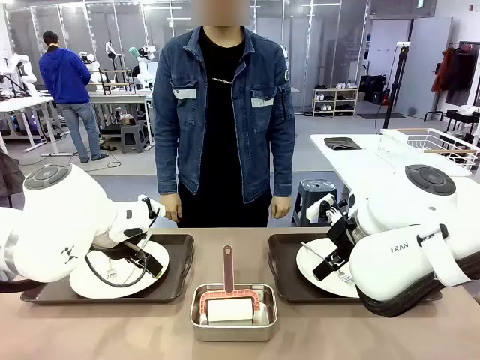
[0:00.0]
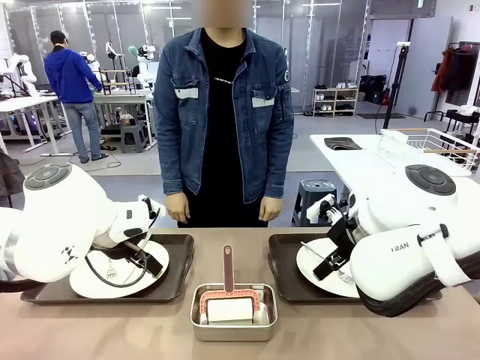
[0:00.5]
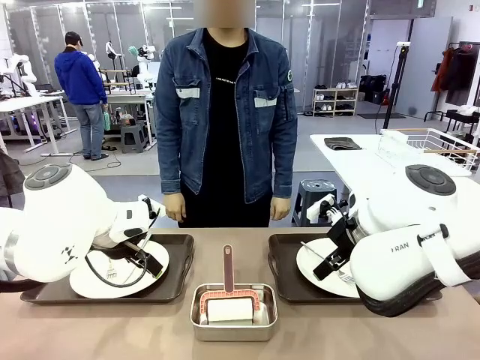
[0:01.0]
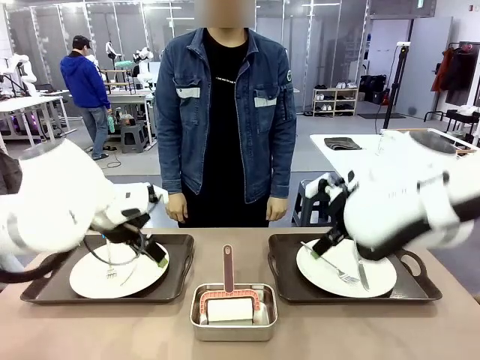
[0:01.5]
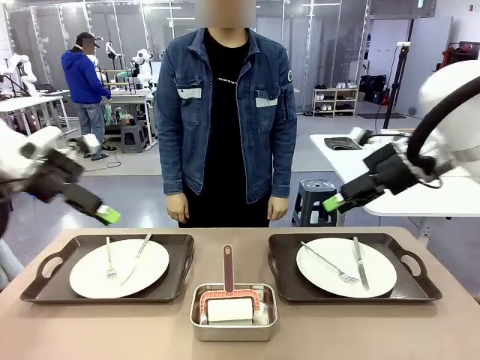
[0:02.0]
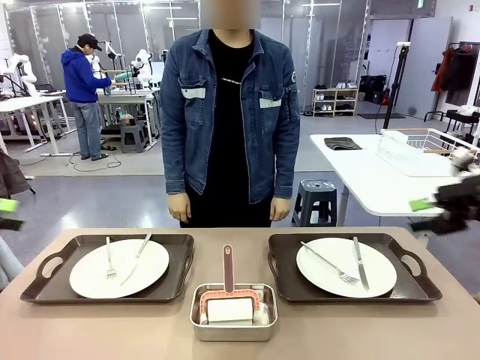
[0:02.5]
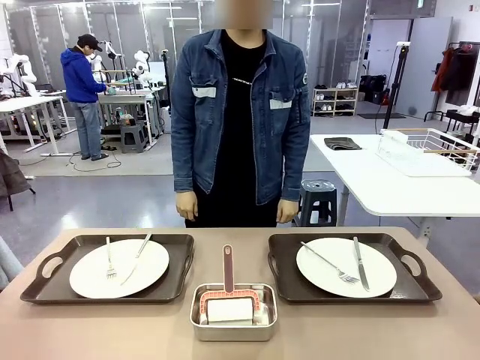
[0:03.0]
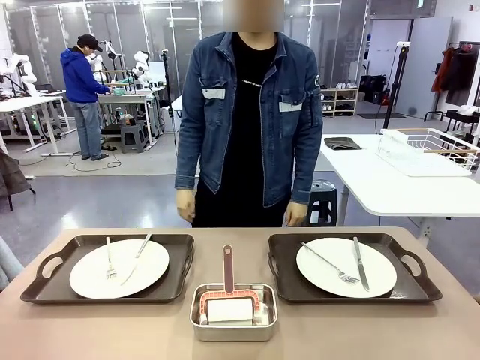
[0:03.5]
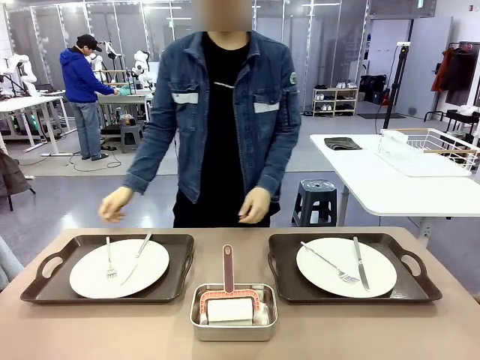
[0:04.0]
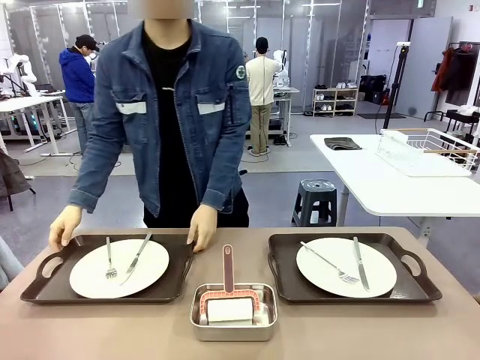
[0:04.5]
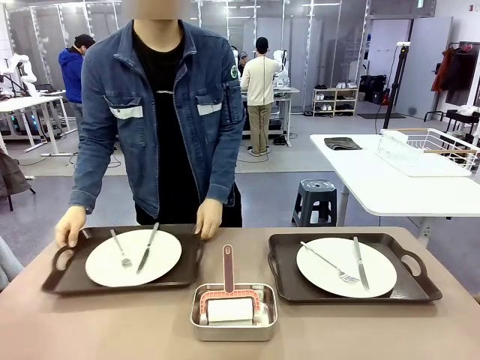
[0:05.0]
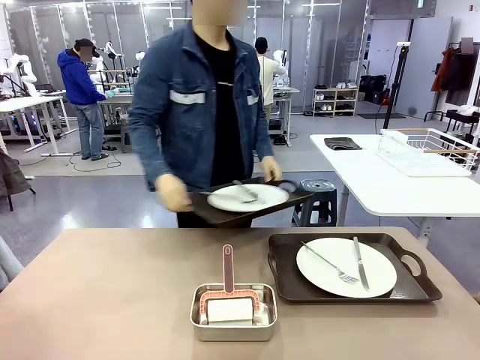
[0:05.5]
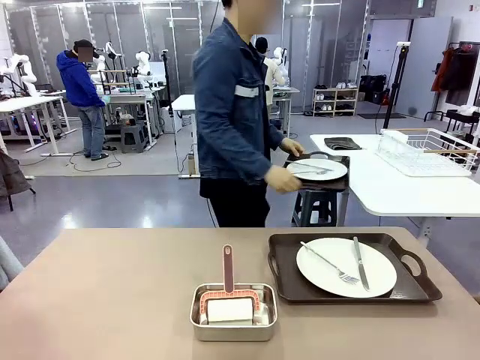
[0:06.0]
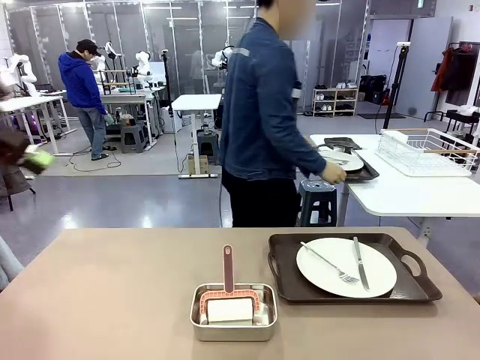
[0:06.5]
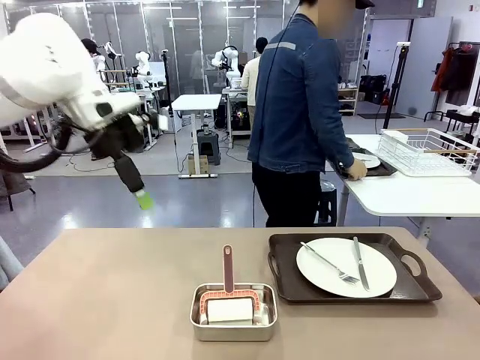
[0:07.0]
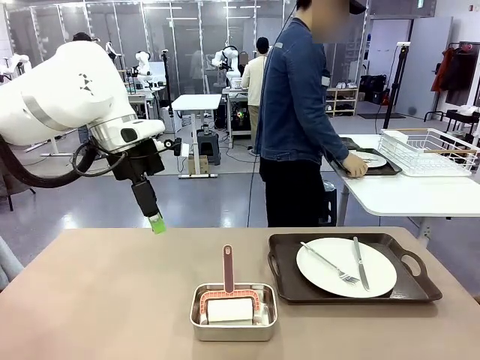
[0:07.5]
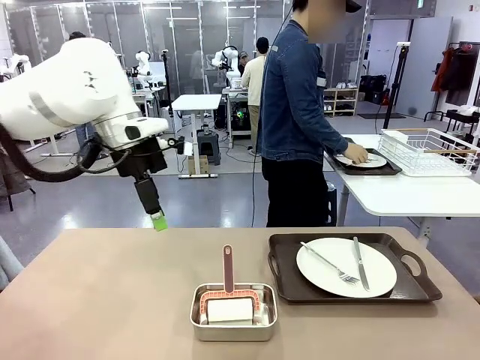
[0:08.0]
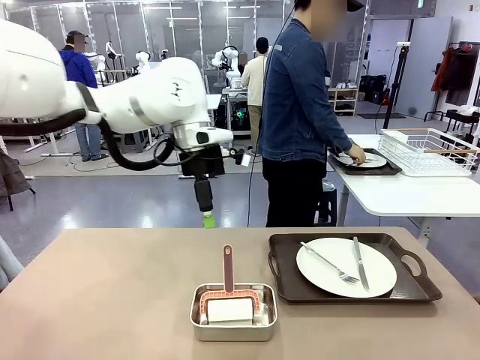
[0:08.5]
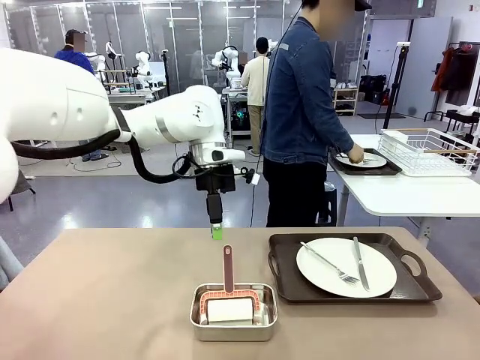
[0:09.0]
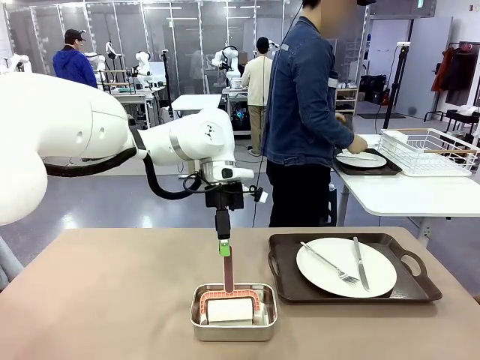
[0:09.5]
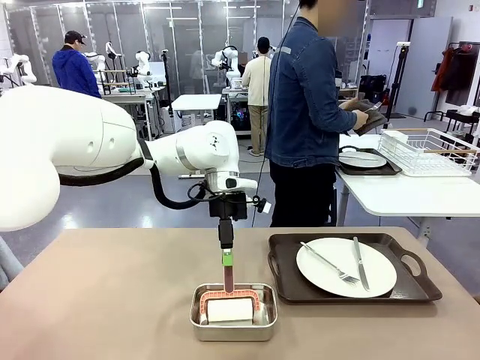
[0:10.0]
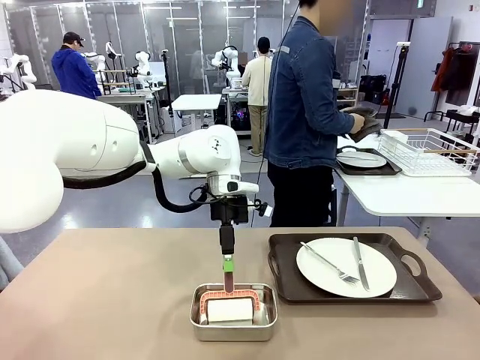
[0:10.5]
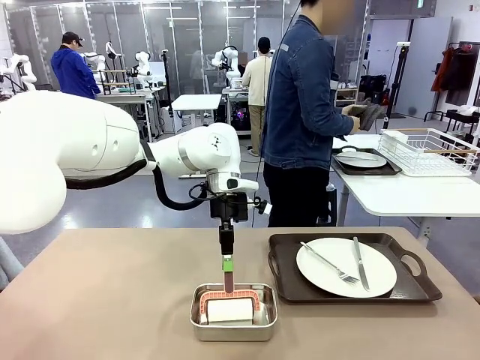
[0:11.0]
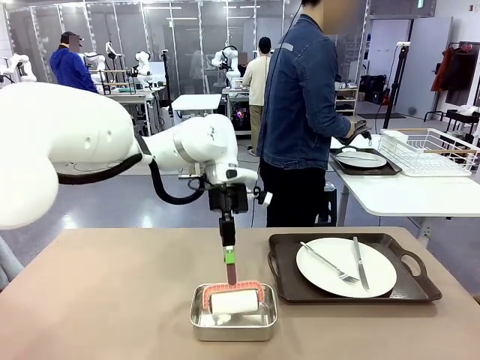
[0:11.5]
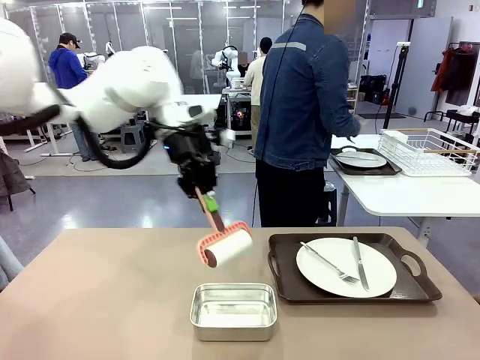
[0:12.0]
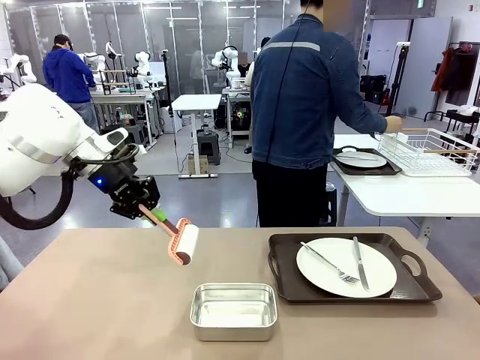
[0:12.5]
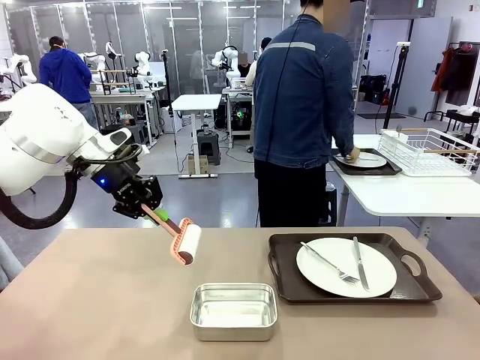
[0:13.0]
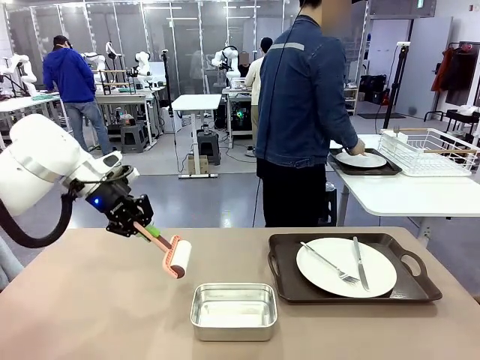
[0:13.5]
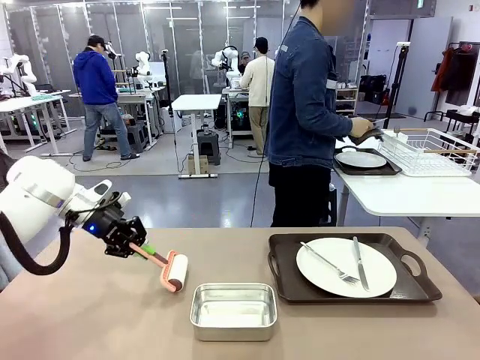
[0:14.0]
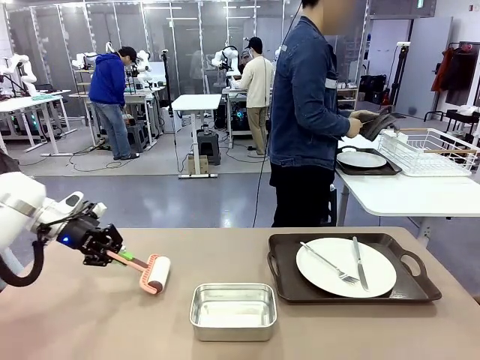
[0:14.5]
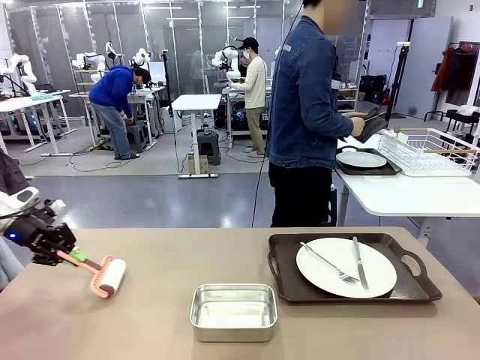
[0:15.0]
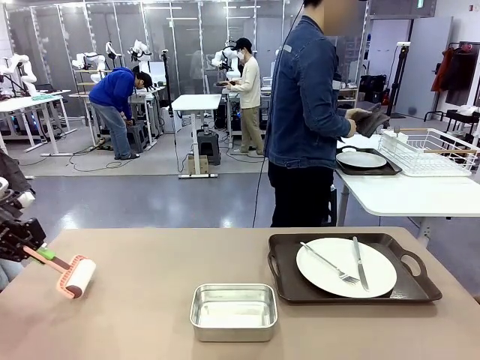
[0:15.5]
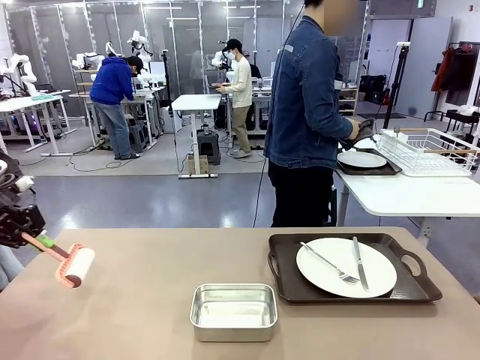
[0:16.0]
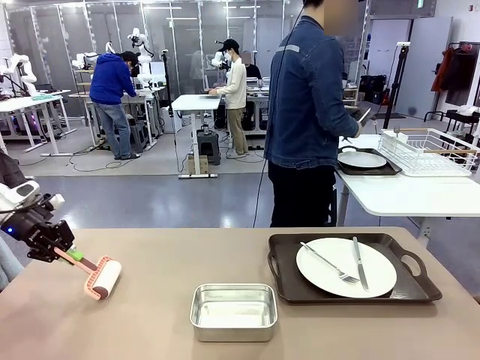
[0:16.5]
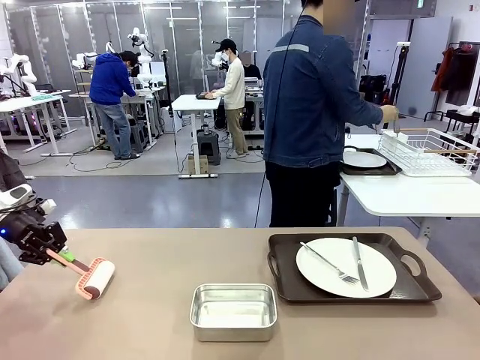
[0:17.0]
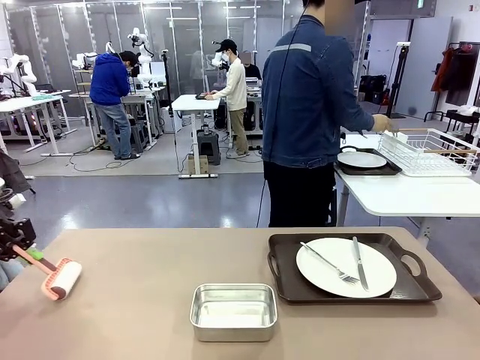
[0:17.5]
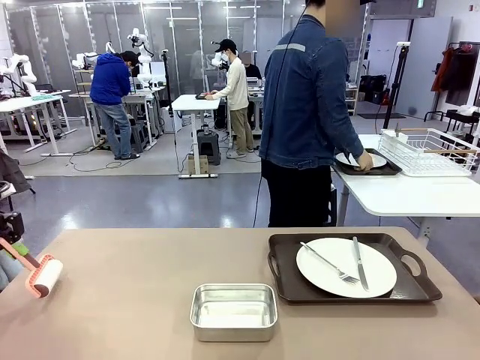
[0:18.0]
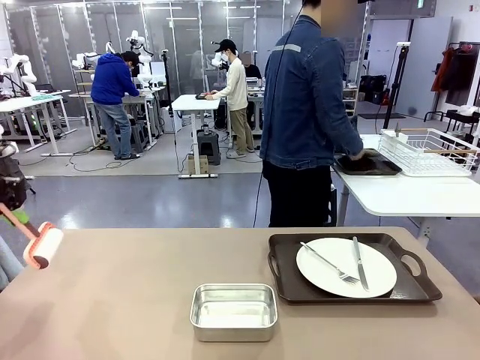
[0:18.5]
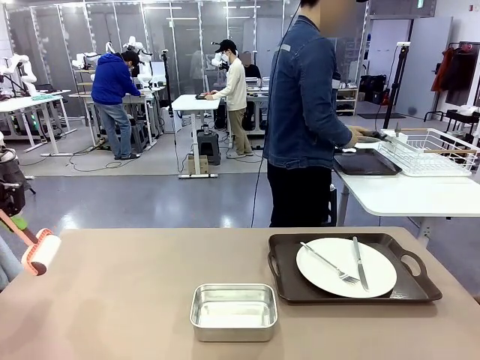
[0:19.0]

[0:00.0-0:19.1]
Robot: When the left (or right) Handle tray is removed, use the left hand (or right hand) to clean the left (or right) side of the table with the Lint Roller.
Person: Pick up the left (or right) Handle tray and place it on the middle of the Human's table. Use the Towel with hook to wipe the Plastic Matte Plate , Fork , and Knife and place into the Dish drying rack.

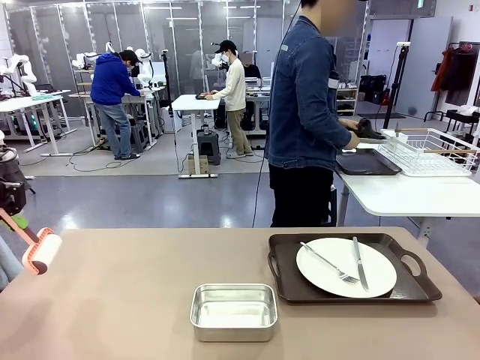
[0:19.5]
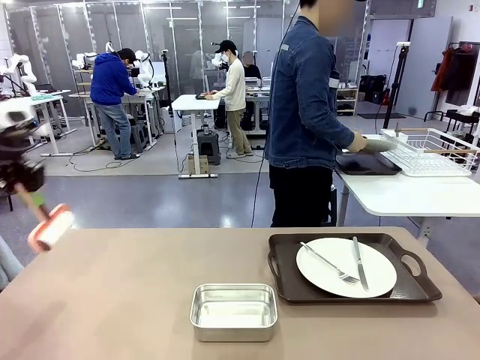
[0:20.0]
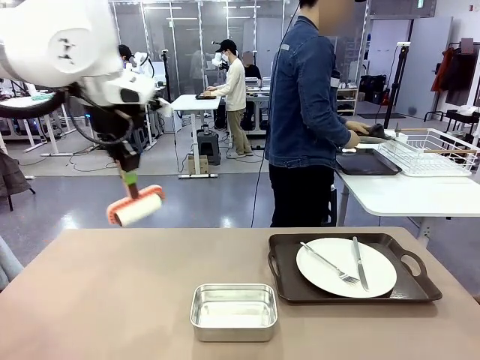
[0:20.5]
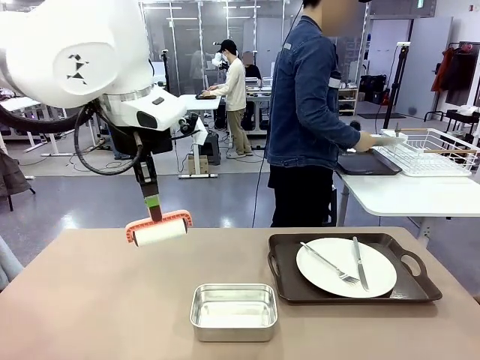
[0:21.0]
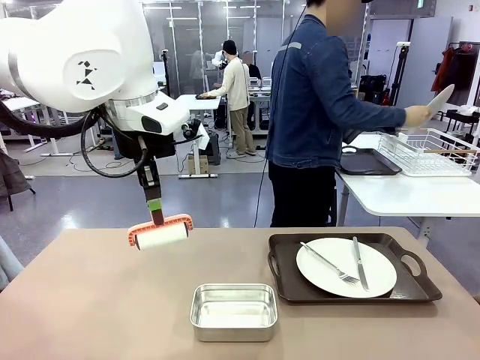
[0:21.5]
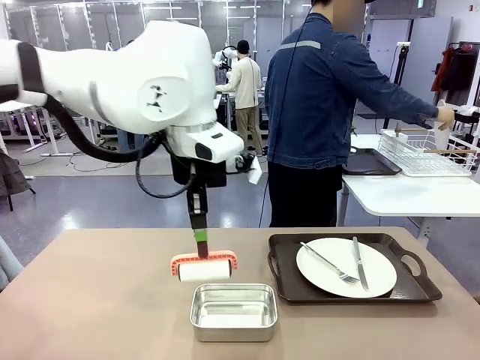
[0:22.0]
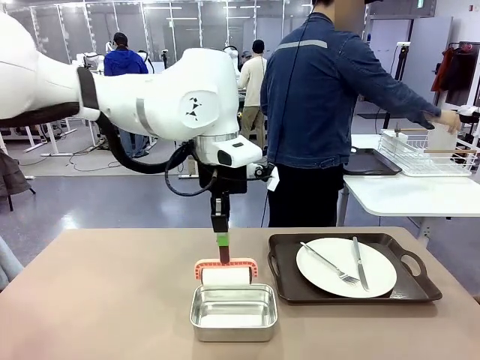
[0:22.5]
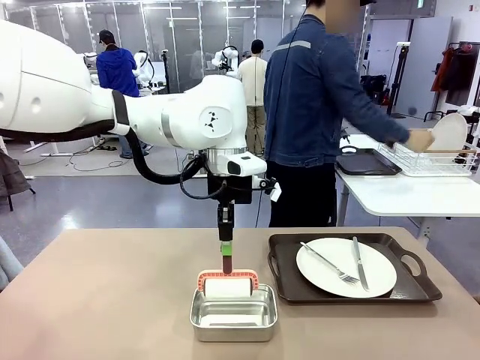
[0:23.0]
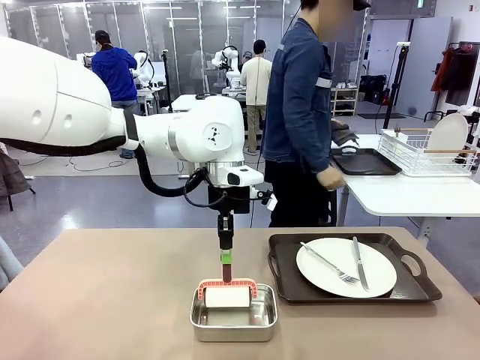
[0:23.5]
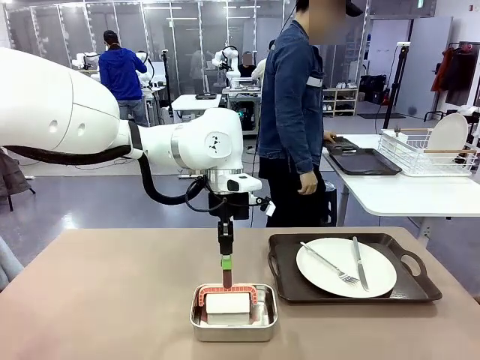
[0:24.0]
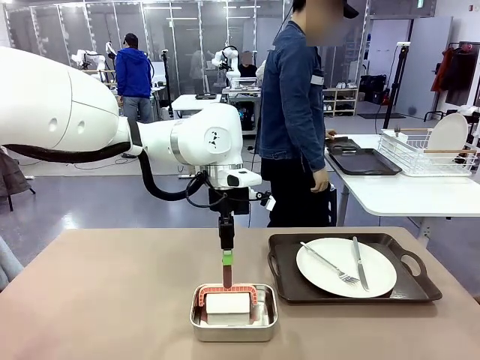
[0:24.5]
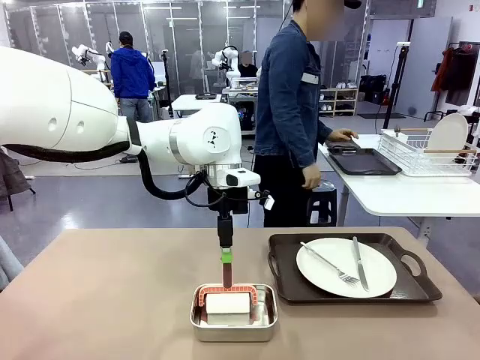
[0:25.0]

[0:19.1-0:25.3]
Robot: Place the Lint Roller back on top of the Airtight Container.
